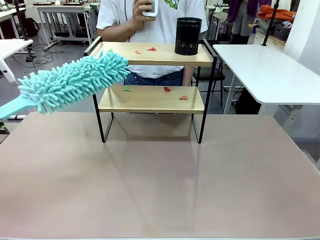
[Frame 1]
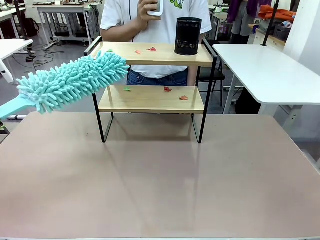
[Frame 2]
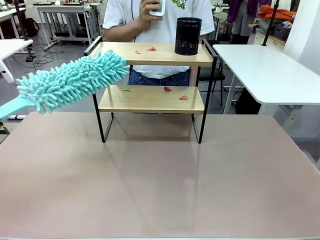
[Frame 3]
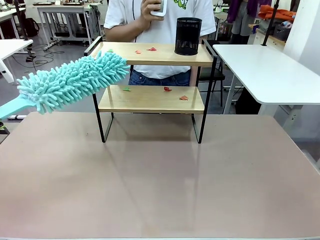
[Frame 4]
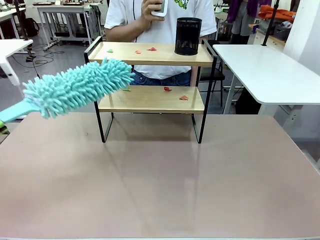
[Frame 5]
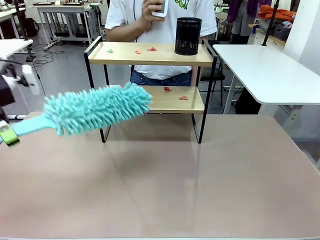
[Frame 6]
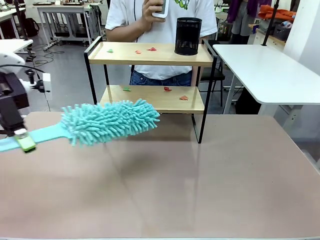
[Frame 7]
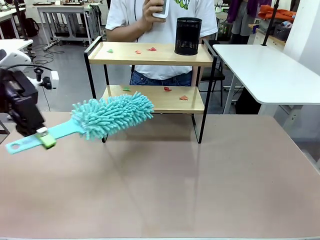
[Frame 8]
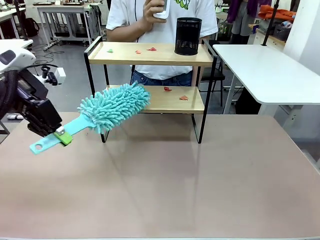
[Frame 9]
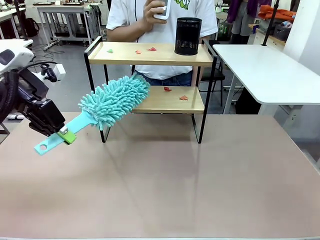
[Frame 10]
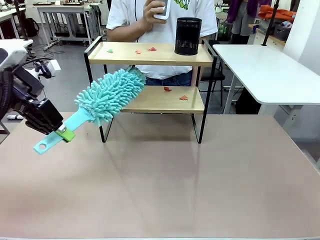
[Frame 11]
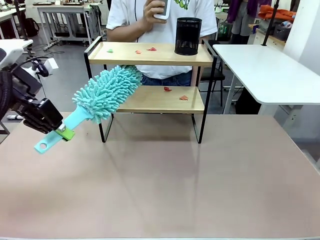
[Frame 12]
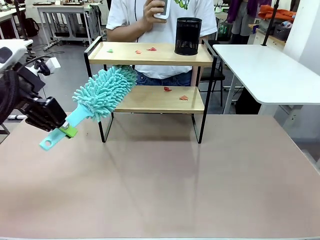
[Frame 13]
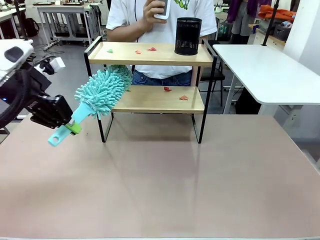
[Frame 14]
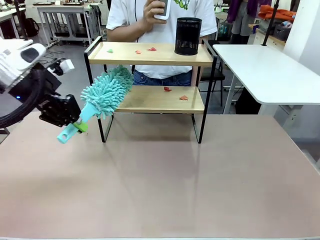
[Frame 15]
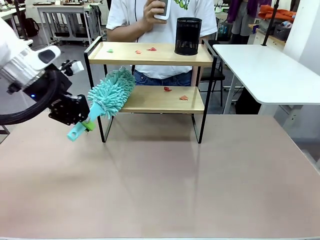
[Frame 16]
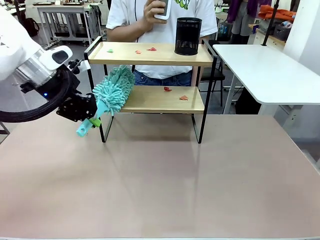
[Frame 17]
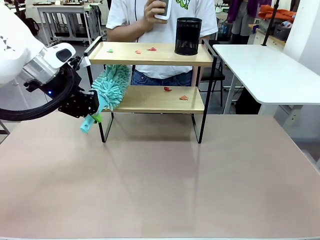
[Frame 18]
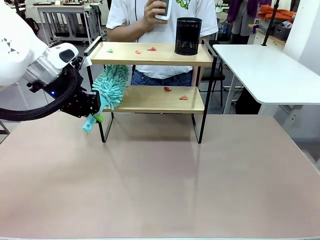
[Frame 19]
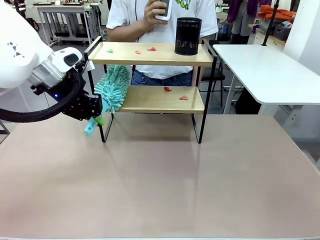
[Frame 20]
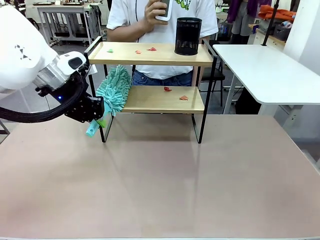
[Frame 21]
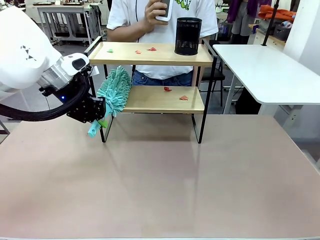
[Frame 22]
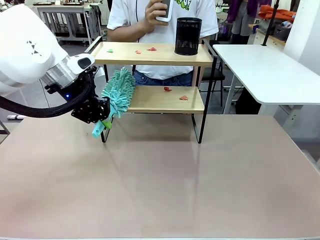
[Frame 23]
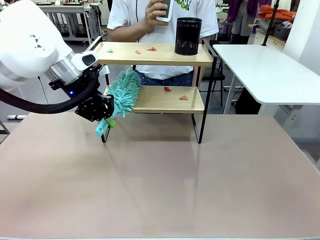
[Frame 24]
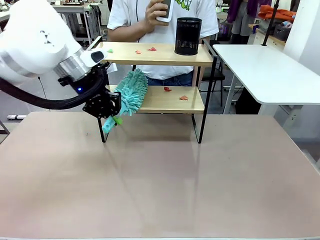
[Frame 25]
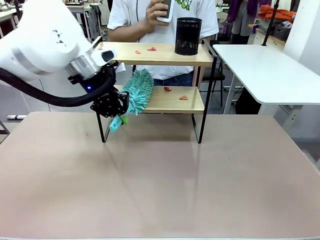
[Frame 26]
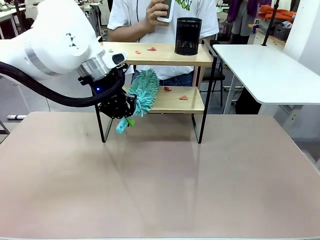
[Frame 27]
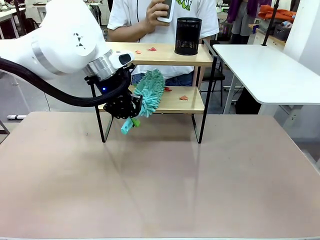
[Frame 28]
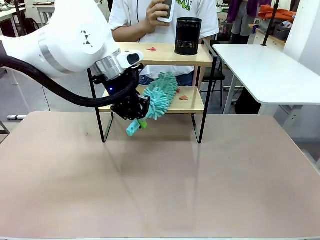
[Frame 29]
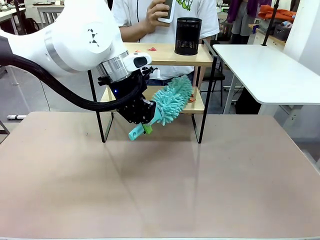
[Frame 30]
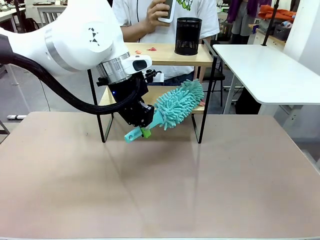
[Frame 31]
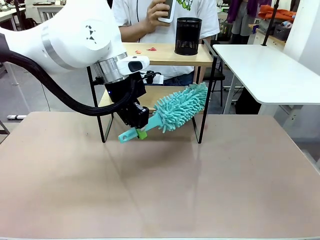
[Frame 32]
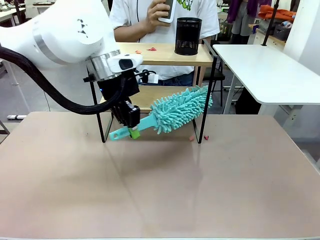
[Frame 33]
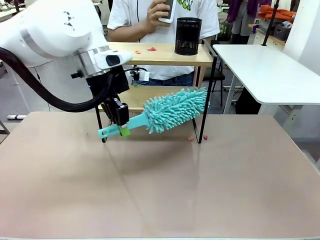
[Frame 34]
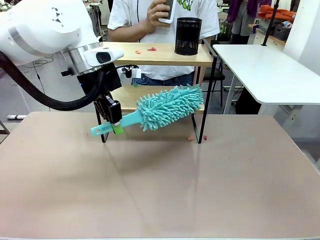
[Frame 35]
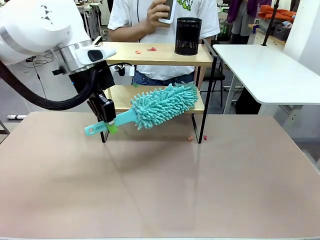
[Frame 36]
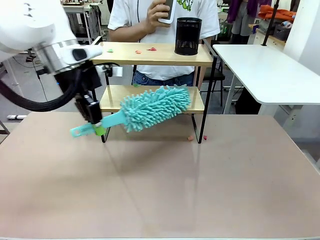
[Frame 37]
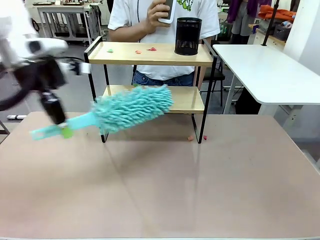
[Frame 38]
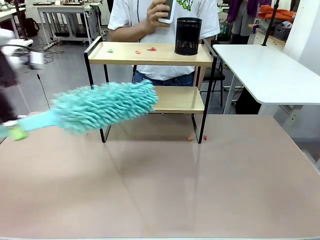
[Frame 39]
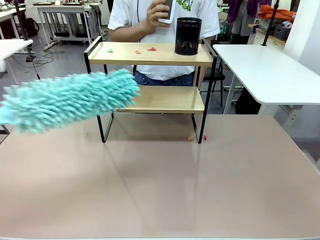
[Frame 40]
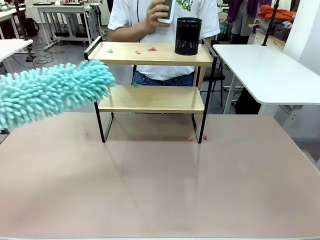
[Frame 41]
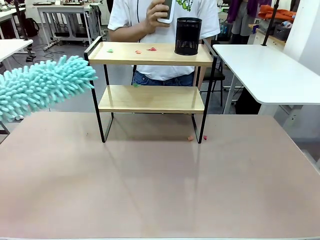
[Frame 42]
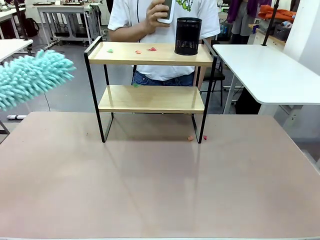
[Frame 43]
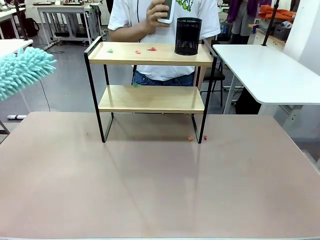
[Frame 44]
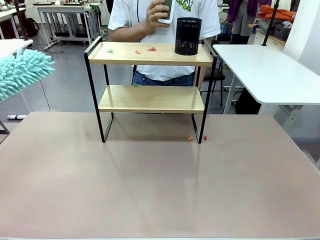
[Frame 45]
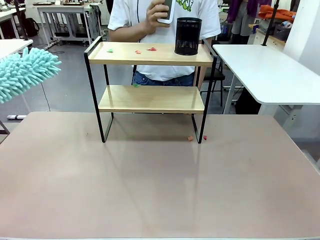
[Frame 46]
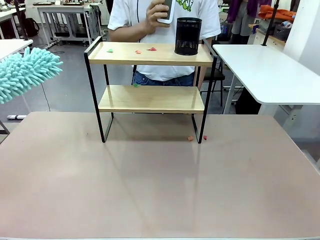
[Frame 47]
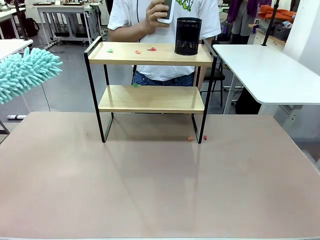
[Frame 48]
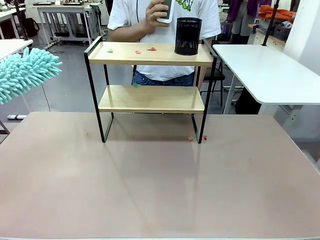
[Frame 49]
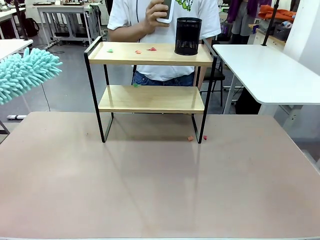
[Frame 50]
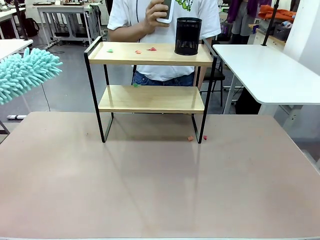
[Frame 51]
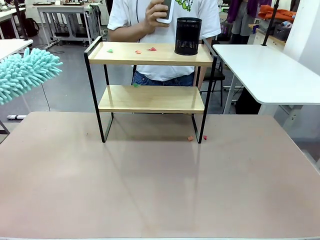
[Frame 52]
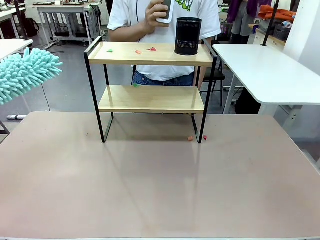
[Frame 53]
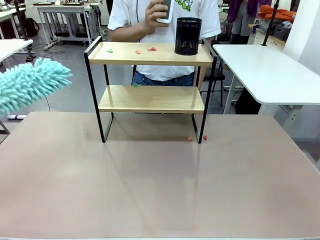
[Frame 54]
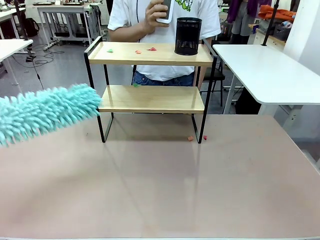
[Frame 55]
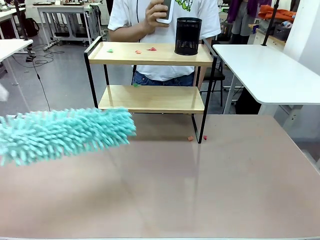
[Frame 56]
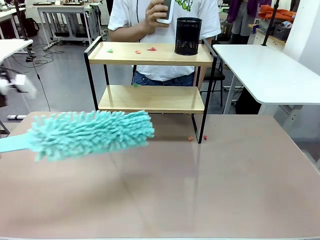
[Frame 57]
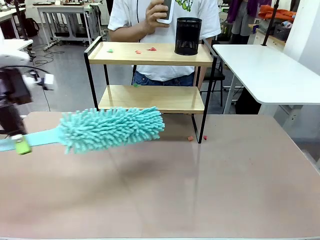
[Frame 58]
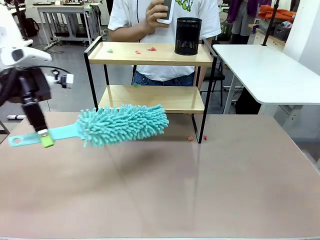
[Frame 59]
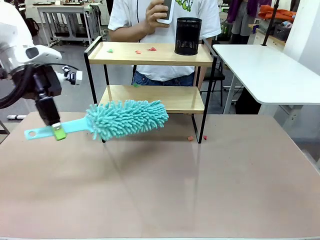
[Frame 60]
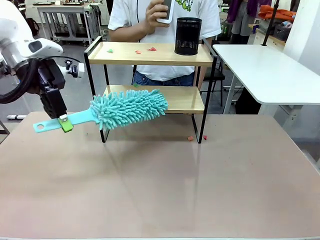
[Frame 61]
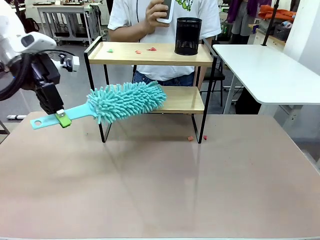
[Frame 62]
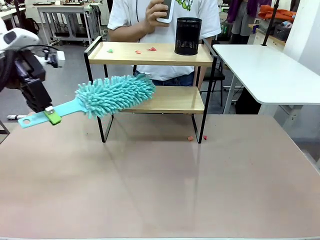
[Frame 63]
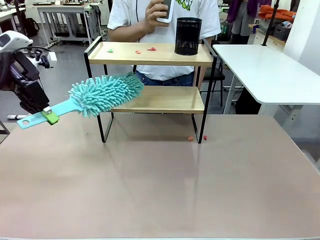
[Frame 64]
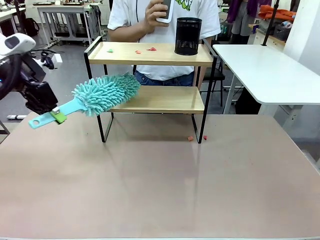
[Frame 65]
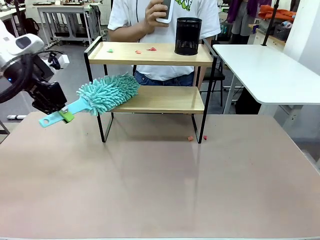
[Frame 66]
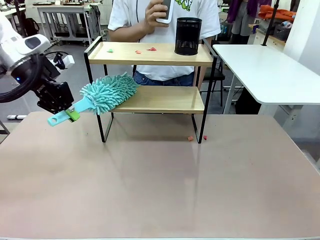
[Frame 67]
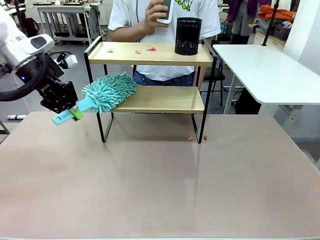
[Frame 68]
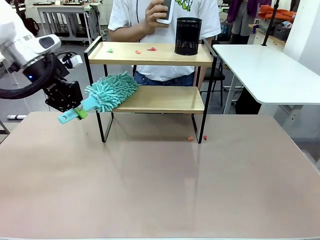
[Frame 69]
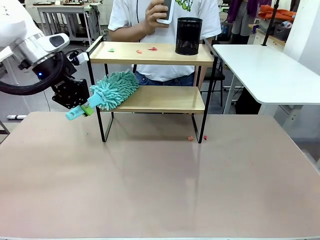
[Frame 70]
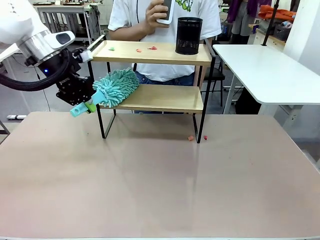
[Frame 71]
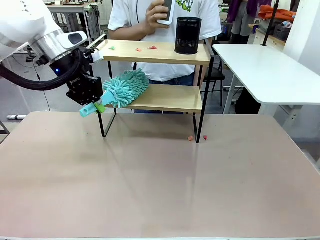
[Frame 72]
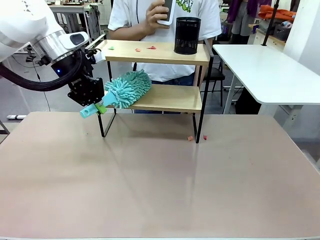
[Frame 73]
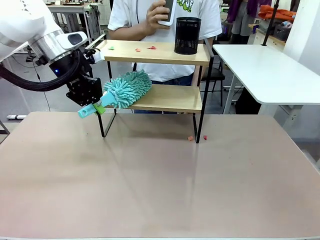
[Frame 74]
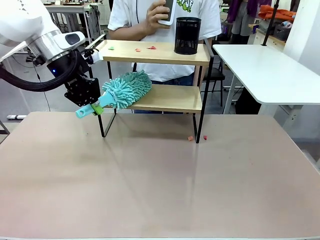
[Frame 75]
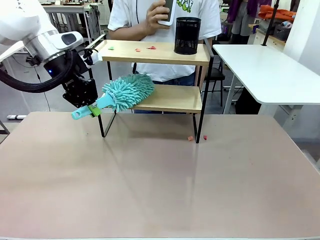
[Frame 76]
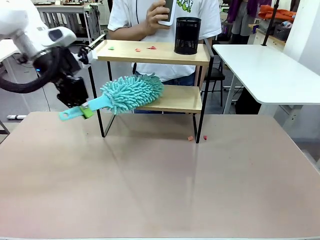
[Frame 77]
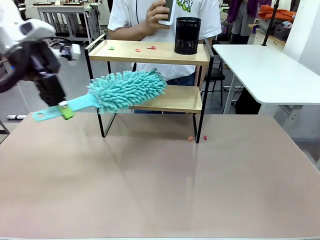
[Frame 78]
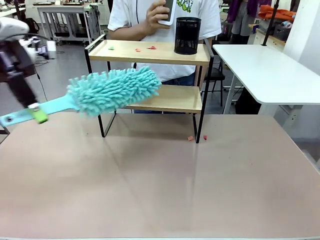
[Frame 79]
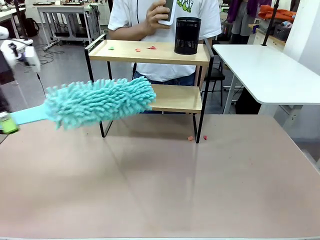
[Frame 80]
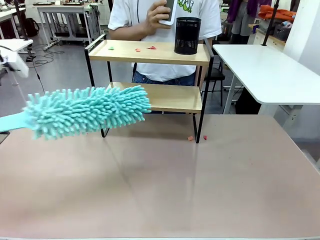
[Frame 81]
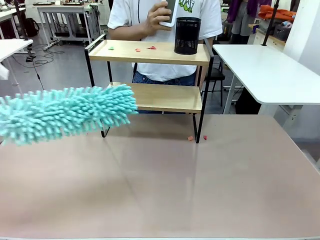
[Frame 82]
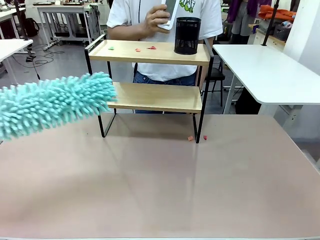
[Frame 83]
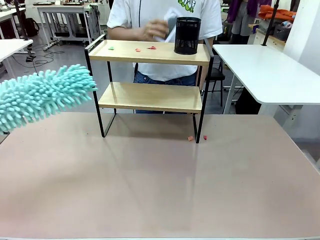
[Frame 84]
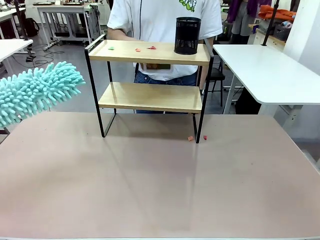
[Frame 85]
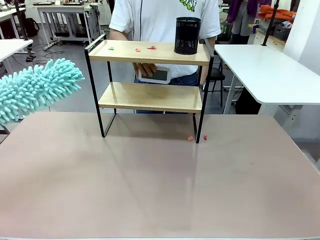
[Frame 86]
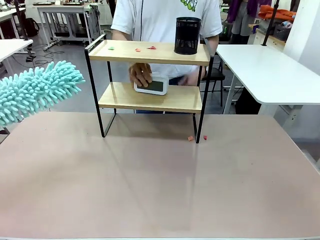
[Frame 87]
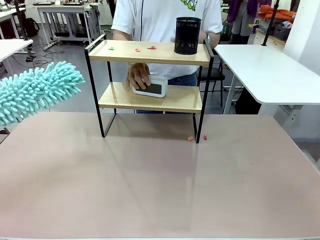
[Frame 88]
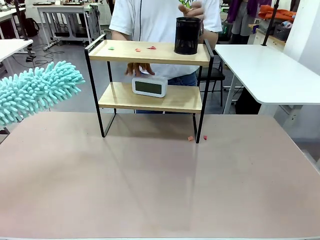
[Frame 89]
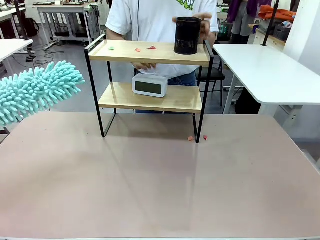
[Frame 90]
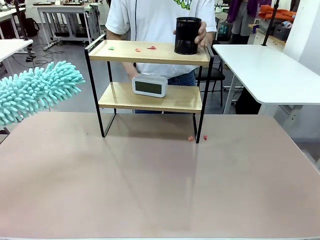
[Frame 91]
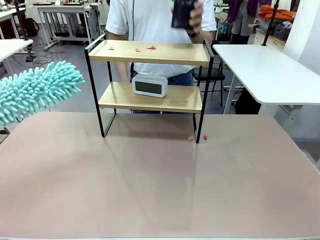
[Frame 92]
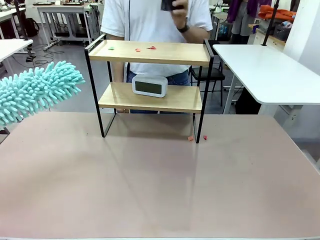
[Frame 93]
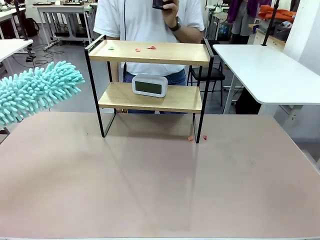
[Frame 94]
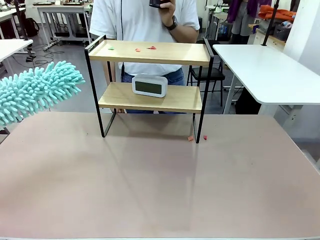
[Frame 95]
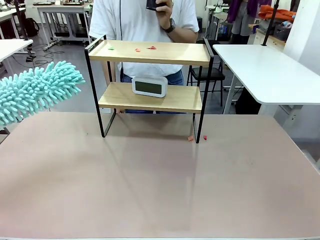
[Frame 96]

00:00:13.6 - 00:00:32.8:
Task: Clean the shelf.
Robot: Clean the specific tier of the Shelf with the Duster once objects are removed.
Person: Once the robot finishes cleaning, lift the objects on the remaining tiers of the Shelf.
